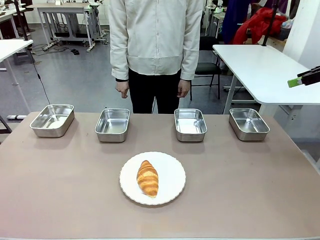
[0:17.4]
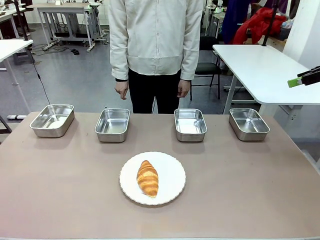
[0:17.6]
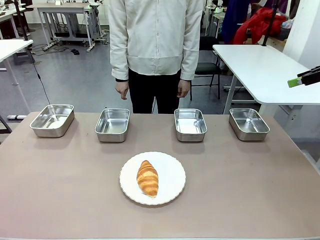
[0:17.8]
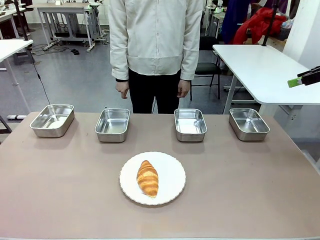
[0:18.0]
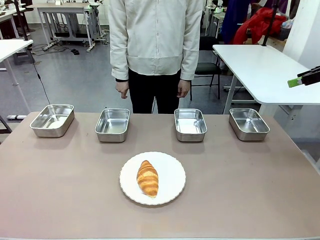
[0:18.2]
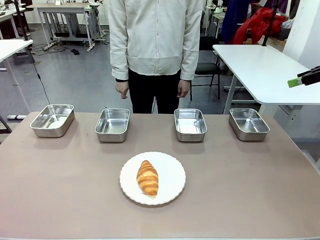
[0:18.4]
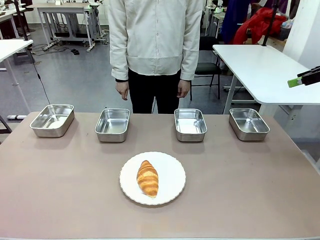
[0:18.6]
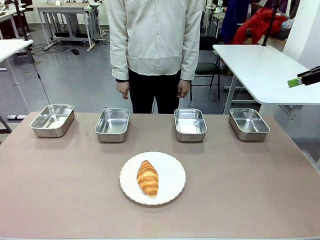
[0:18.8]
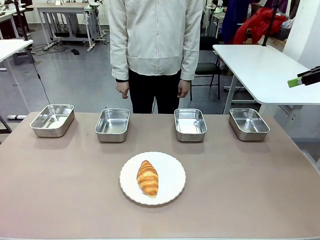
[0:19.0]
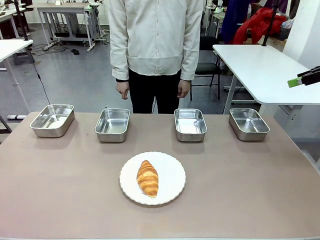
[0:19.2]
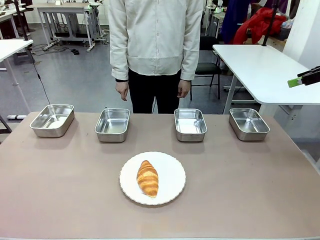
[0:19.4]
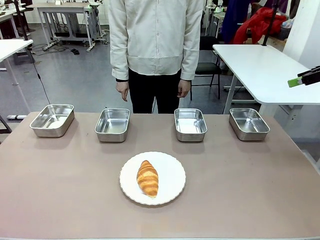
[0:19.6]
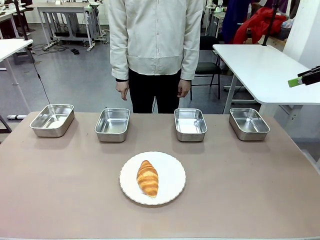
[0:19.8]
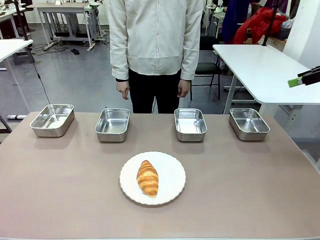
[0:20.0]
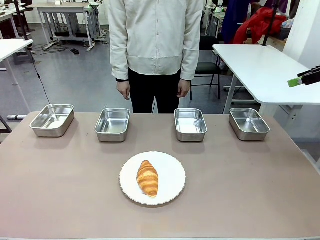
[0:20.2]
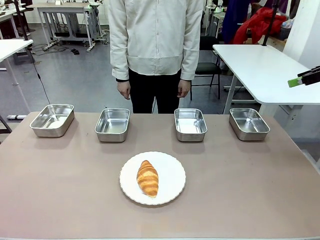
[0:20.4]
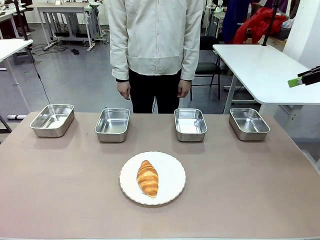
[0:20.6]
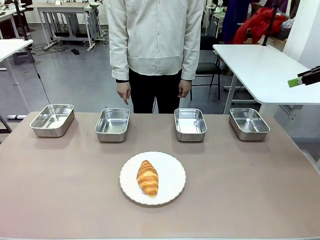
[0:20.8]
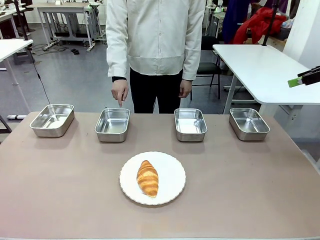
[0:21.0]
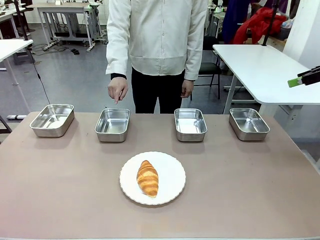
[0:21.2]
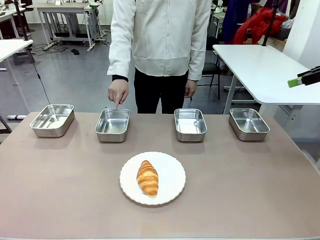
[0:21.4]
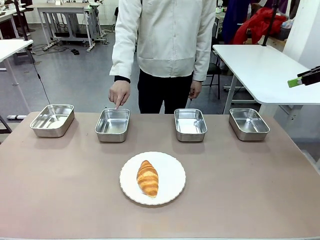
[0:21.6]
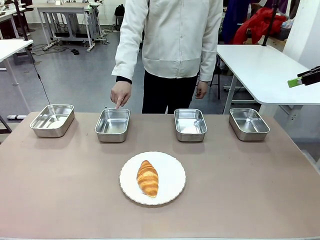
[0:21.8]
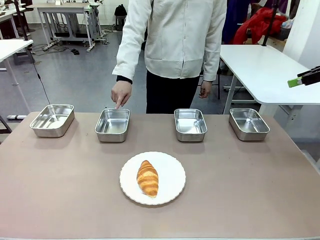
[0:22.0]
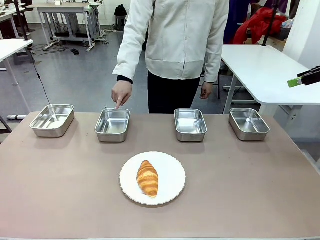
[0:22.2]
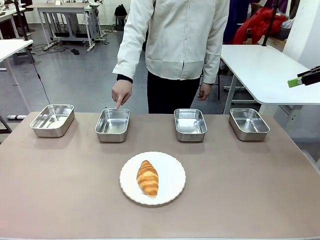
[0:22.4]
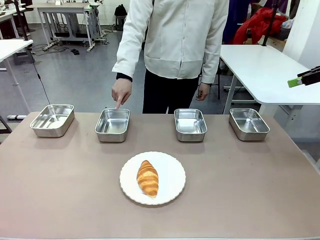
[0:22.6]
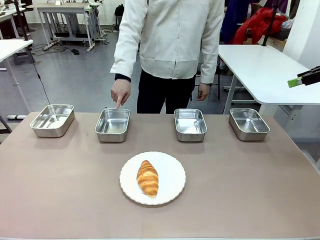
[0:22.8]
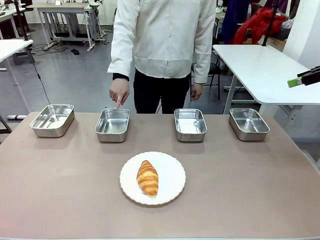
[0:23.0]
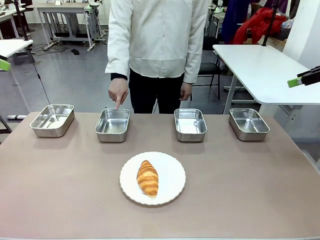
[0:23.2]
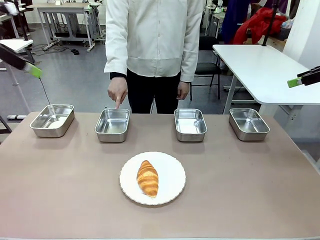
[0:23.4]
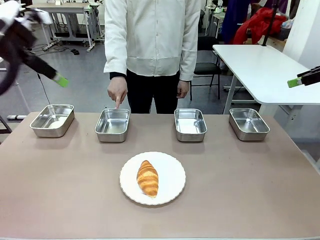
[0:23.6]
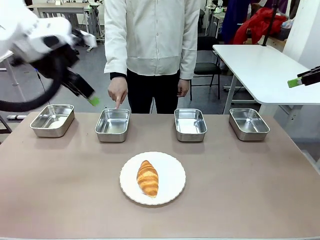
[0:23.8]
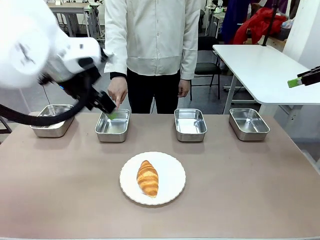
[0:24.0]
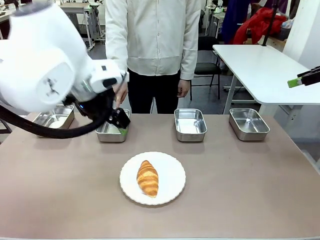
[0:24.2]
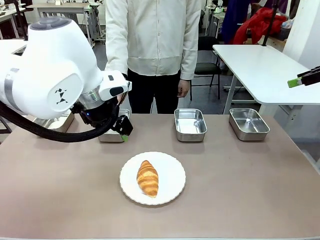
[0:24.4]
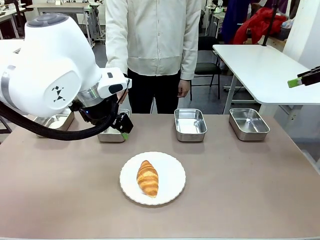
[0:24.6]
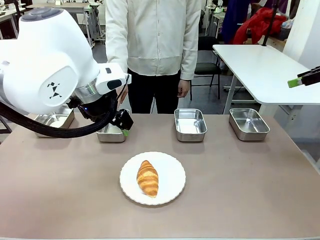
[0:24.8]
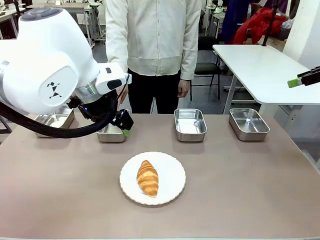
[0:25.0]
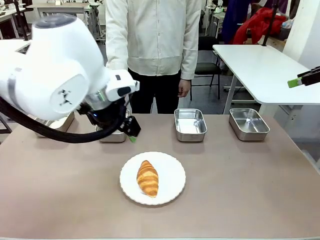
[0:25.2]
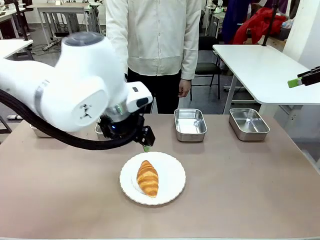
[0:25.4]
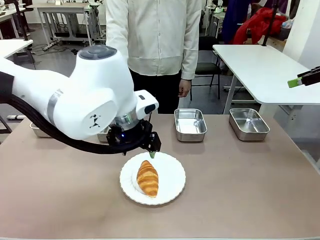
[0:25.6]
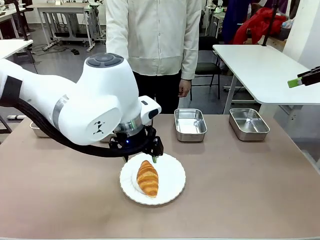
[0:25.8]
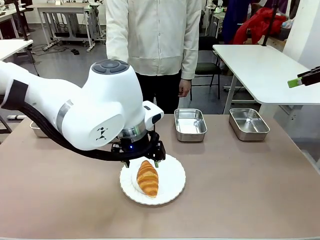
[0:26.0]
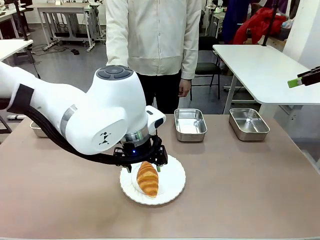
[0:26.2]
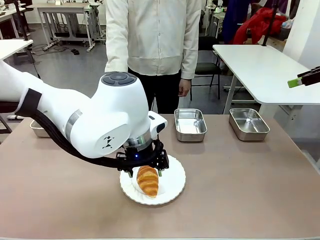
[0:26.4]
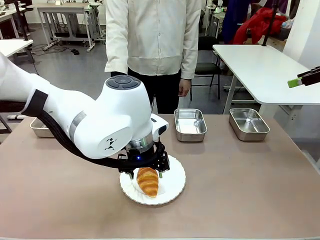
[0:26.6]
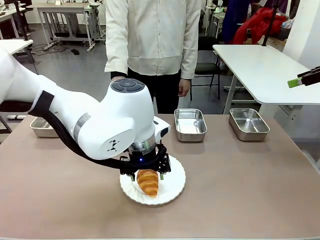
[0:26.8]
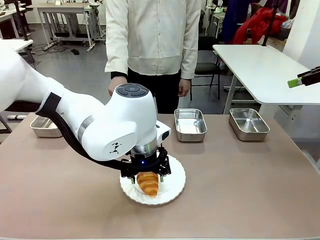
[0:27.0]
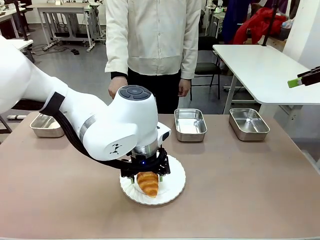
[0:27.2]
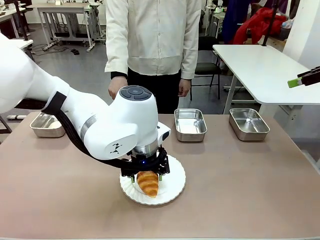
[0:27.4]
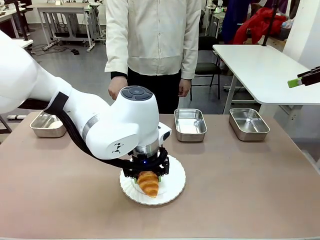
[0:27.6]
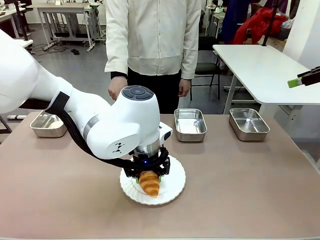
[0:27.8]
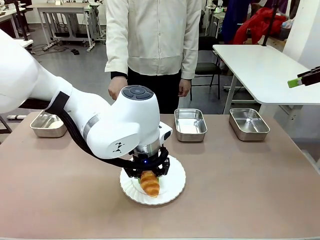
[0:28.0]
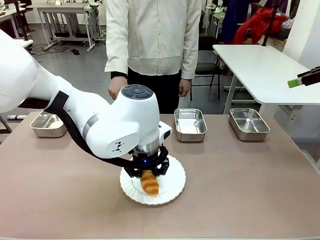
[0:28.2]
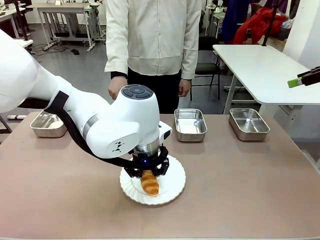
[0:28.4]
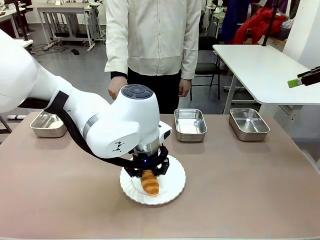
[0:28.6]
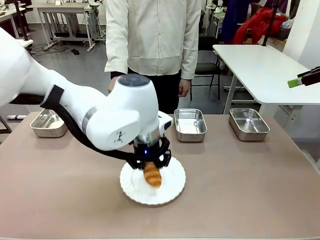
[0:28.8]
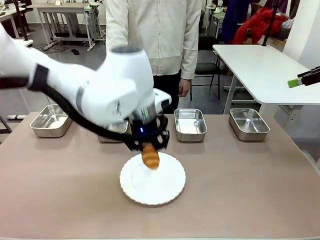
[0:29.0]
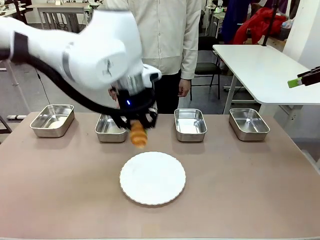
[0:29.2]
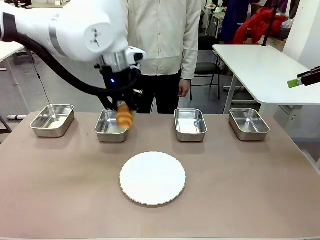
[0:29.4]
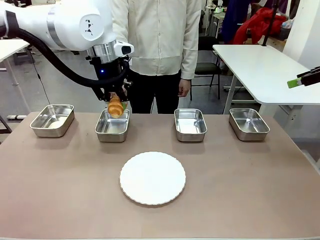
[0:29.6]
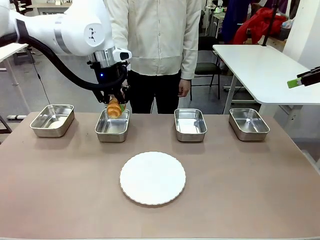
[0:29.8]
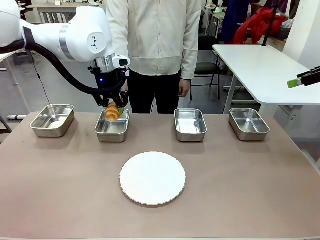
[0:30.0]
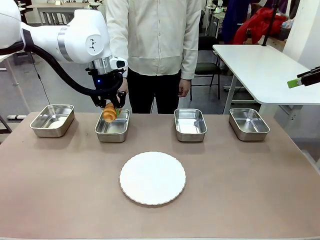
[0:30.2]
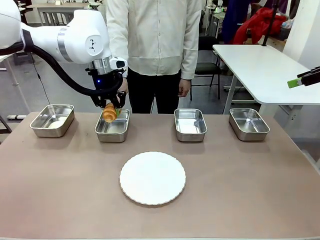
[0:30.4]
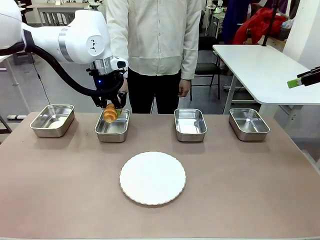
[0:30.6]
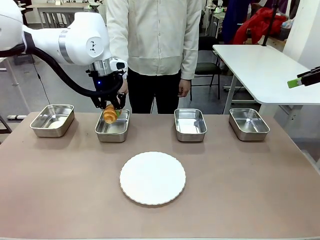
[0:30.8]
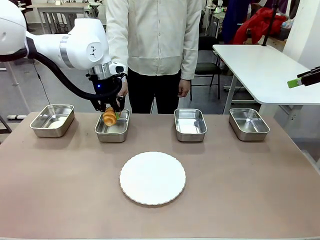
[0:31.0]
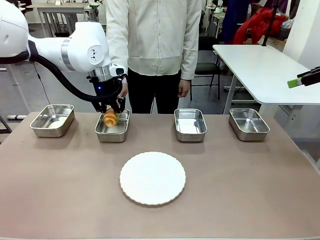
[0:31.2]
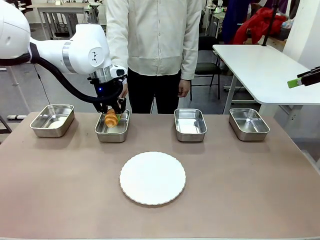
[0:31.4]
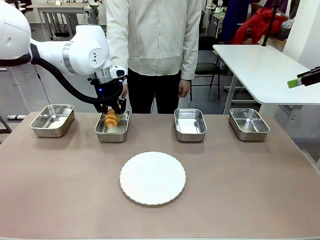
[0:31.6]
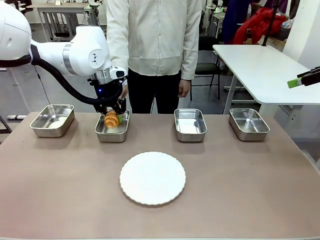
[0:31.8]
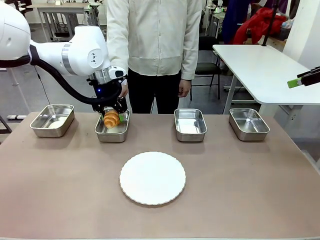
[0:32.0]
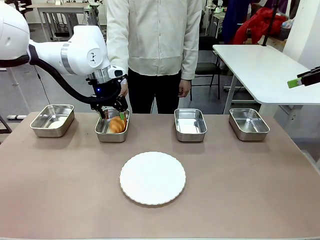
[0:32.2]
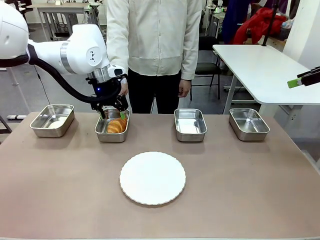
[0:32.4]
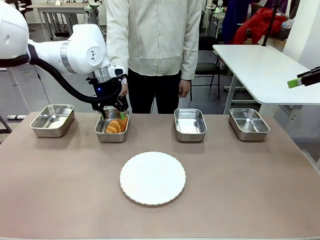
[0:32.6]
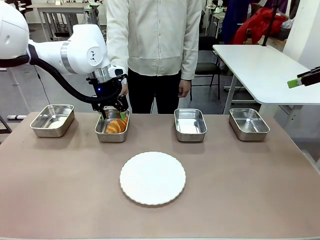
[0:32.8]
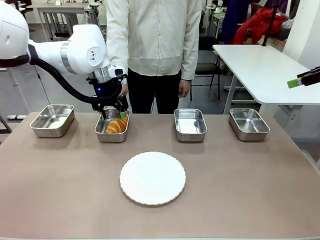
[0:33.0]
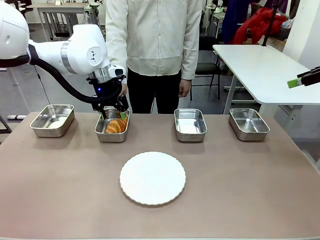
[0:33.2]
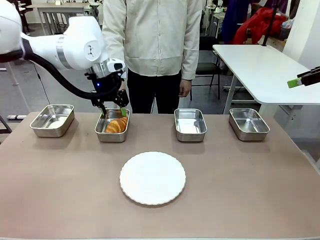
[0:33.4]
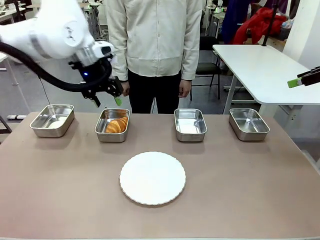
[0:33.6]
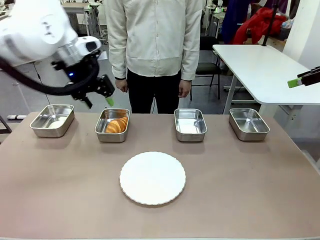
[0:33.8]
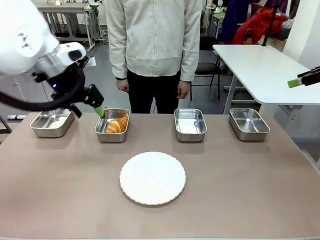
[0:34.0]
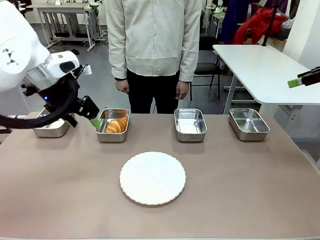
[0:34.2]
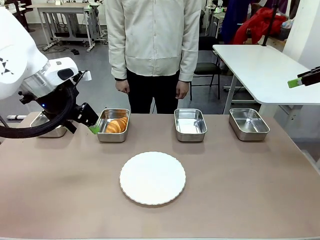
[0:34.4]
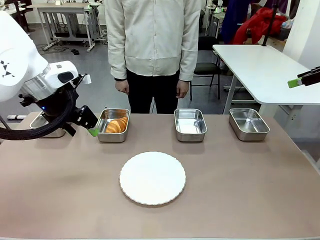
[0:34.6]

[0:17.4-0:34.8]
Task: Place the bread in the container.
Robot: Place the Butter Roll into the Airtight Container indicated by the human.

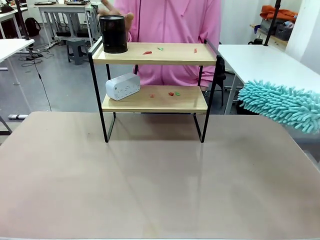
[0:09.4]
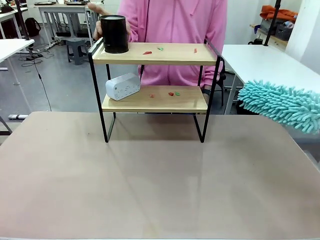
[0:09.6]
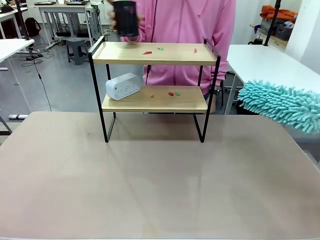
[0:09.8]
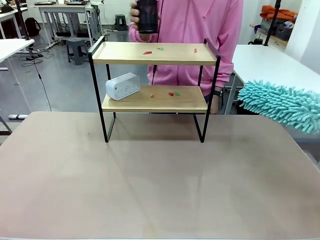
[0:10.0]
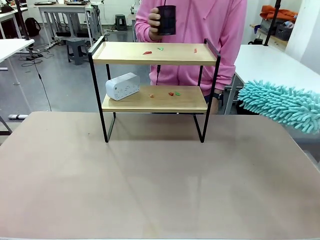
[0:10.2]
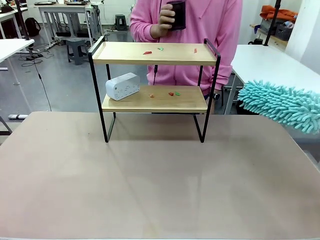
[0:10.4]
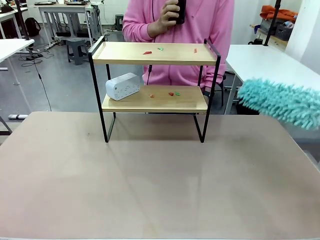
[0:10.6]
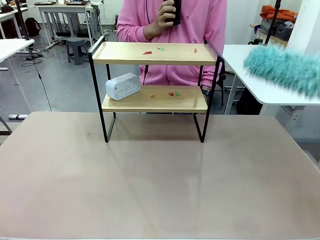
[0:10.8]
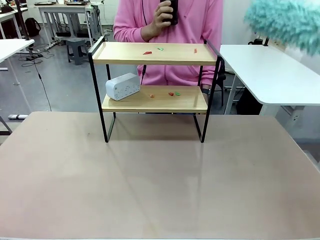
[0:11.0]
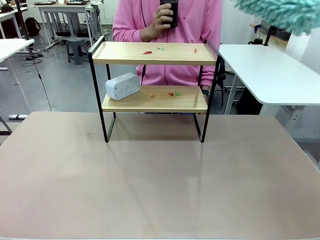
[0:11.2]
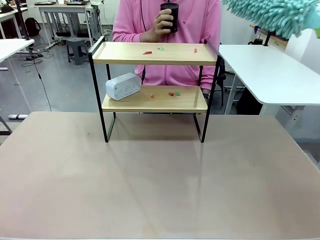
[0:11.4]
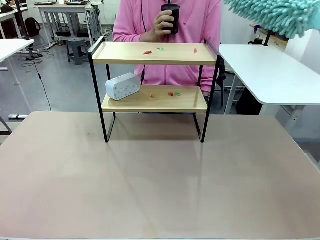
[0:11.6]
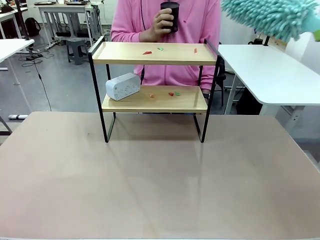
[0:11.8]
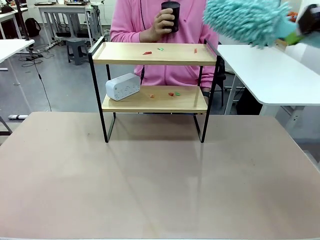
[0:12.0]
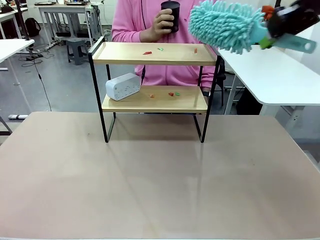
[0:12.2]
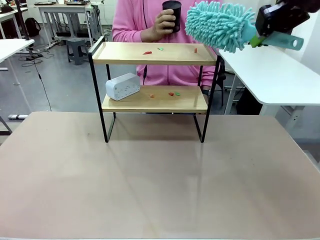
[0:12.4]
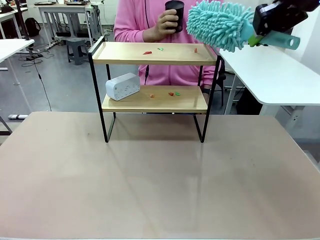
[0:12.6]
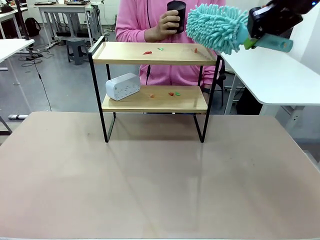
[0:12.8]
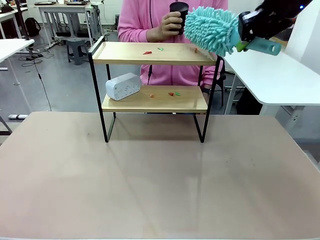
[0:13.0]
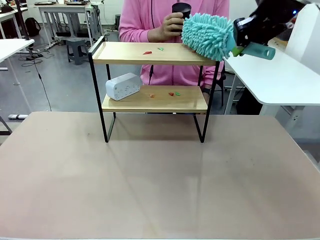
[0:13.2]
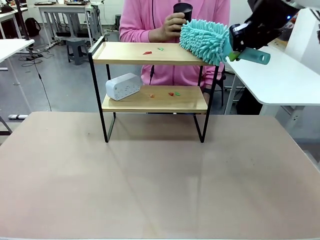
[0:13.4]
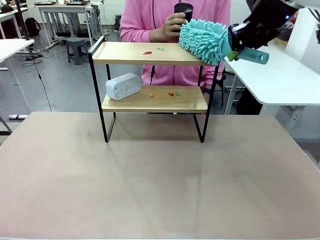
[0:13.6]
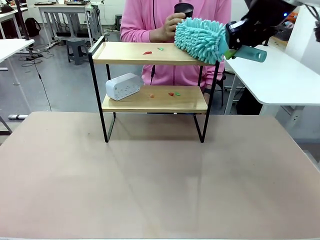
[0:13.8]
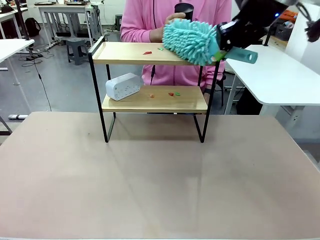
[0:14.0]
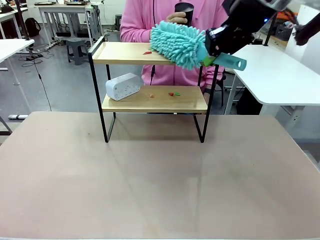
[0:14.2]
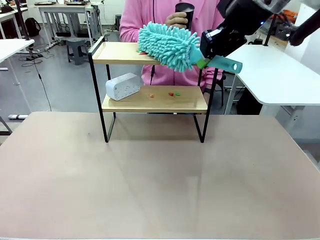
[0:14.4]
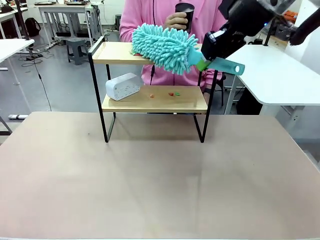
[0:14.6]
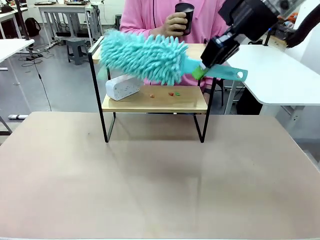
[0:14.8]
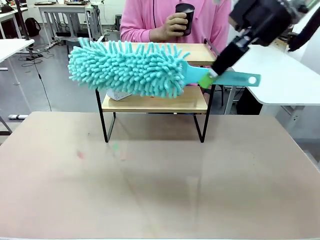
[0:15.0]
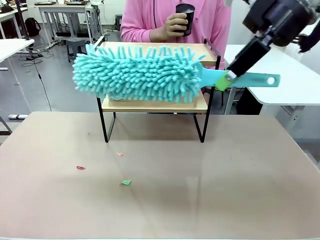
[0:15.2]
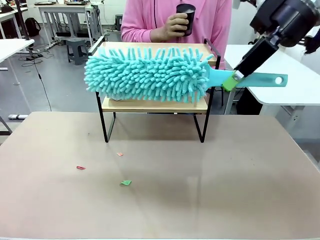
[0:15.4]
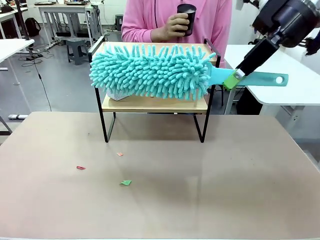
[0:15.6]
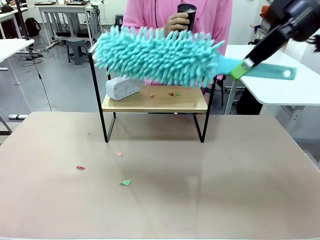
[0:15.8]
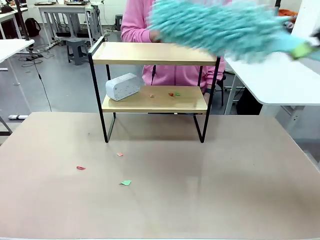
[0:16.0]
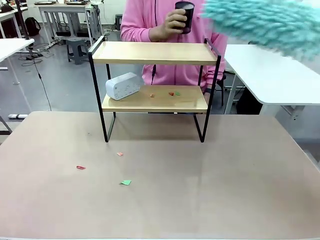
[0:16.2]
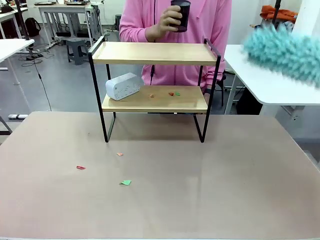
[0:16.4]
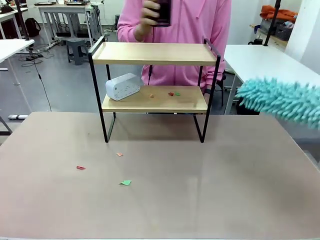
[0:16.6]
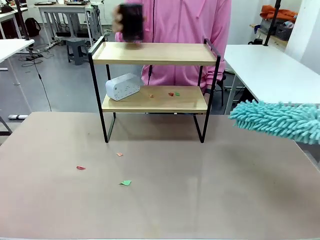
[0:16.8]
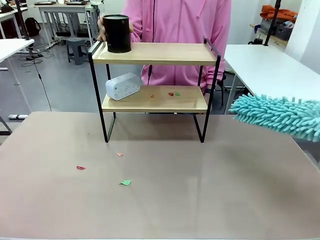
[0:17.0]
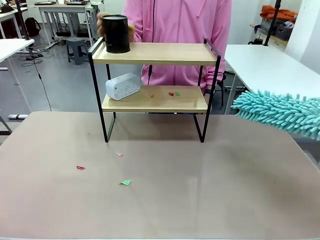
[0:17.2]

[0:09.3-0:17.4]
Task: Clean the shelf.
Robot: Clean the specific tier of the Shelf with the Duster once objects are removed.
Person: Lift the objects on a randomly selected tier of the Shelf. Once the robot finishes cleaning, lift the objects on the remaining tiers of the Shelf.
